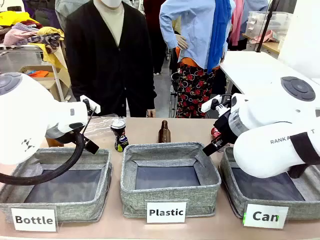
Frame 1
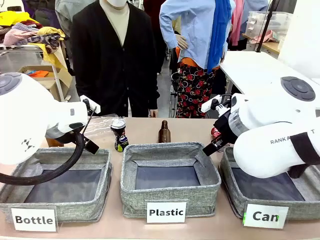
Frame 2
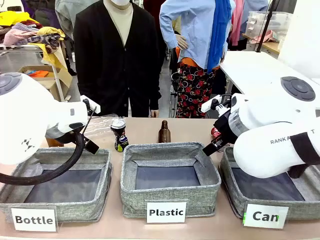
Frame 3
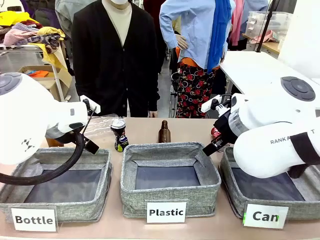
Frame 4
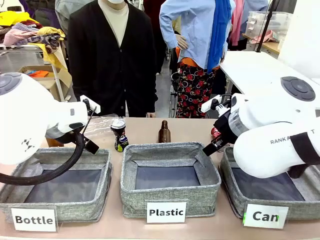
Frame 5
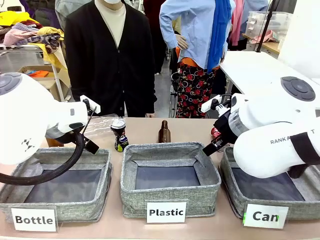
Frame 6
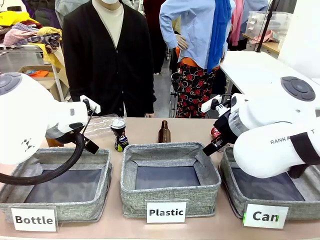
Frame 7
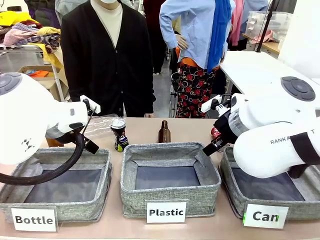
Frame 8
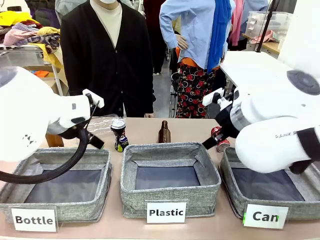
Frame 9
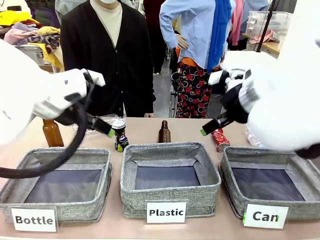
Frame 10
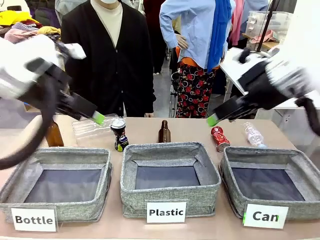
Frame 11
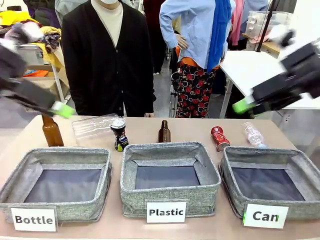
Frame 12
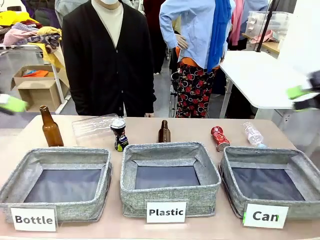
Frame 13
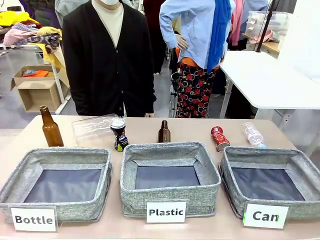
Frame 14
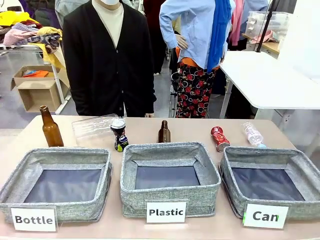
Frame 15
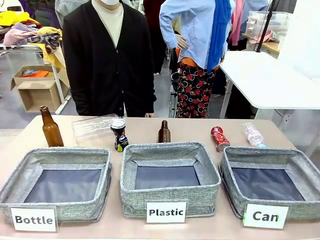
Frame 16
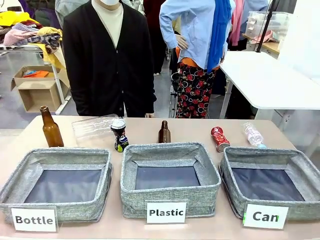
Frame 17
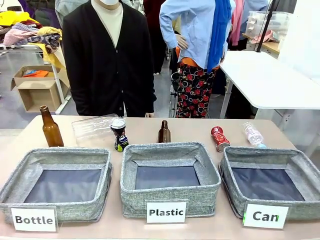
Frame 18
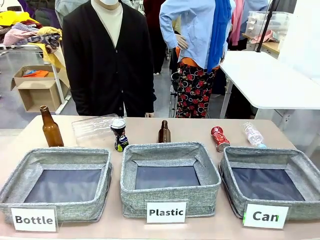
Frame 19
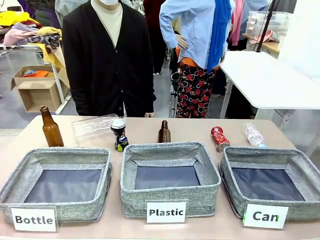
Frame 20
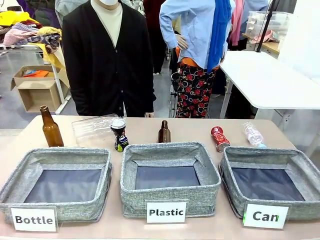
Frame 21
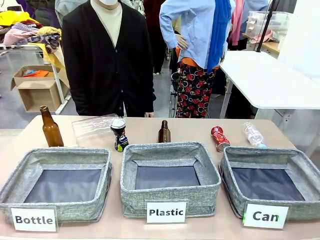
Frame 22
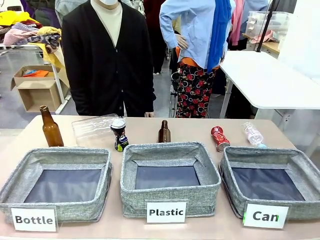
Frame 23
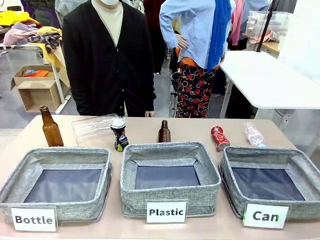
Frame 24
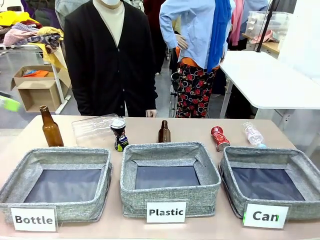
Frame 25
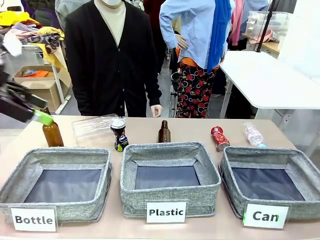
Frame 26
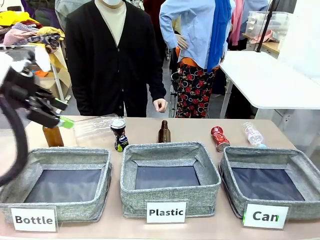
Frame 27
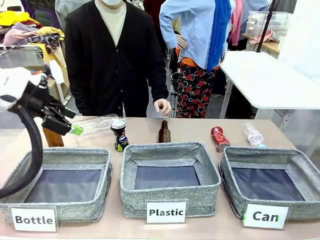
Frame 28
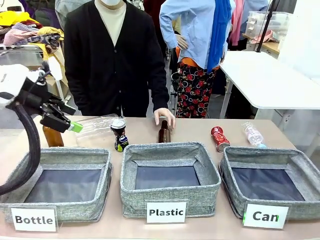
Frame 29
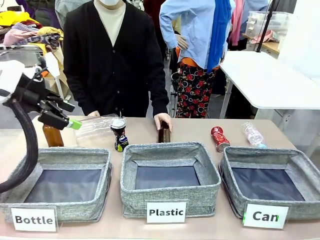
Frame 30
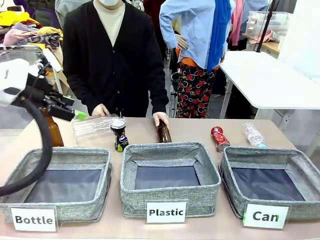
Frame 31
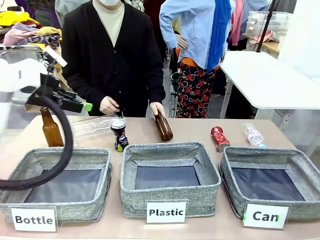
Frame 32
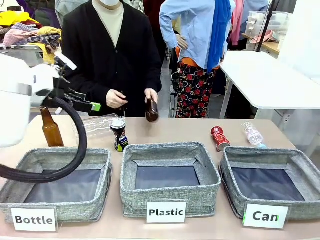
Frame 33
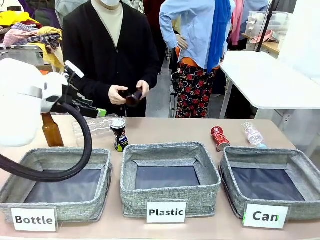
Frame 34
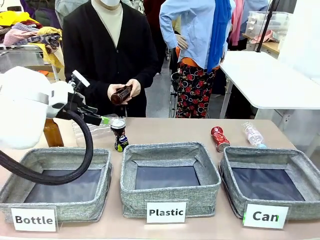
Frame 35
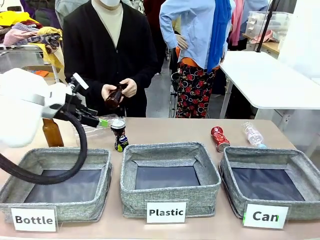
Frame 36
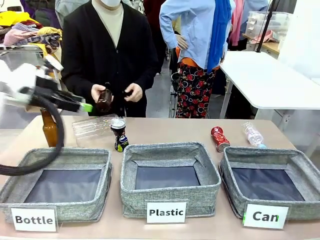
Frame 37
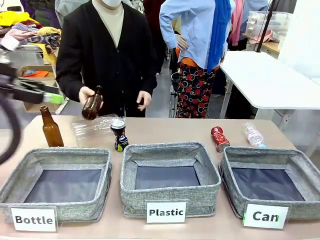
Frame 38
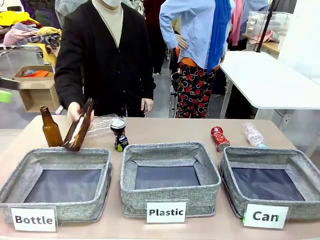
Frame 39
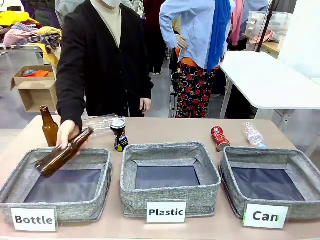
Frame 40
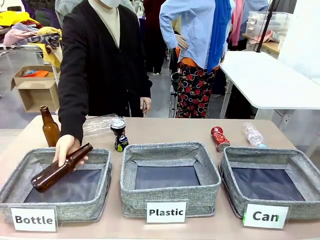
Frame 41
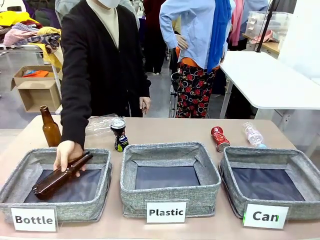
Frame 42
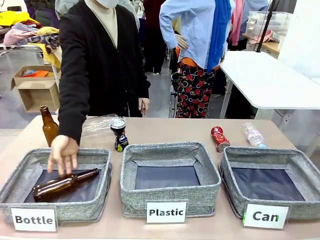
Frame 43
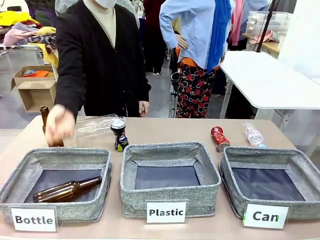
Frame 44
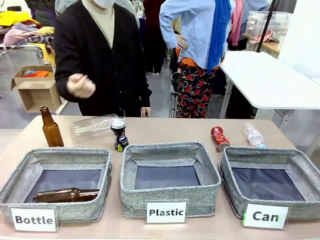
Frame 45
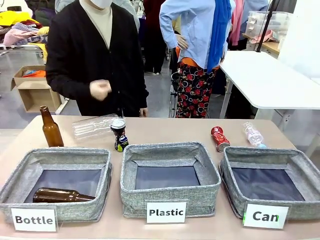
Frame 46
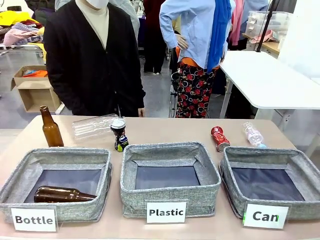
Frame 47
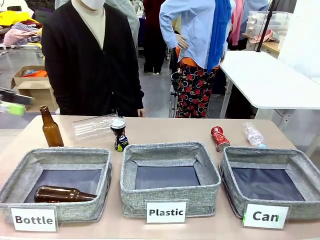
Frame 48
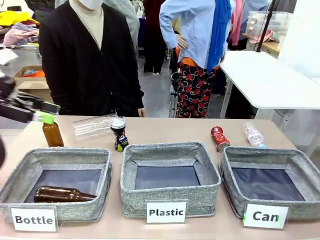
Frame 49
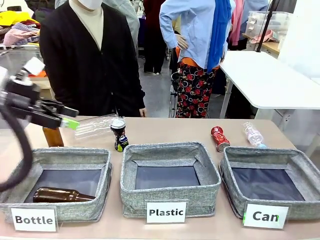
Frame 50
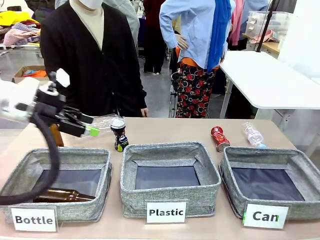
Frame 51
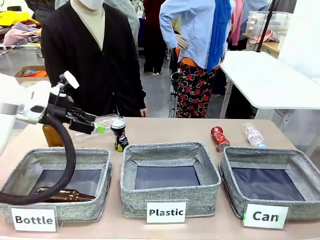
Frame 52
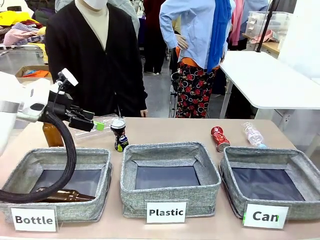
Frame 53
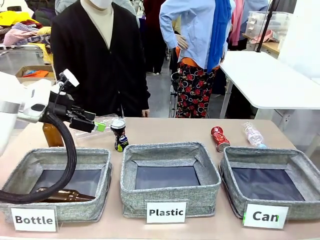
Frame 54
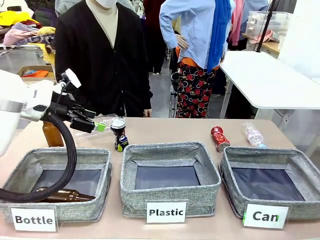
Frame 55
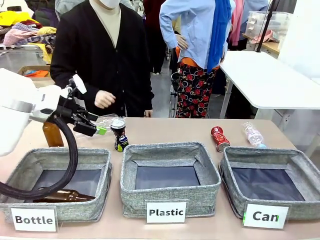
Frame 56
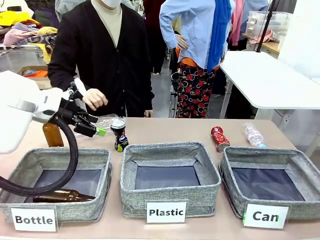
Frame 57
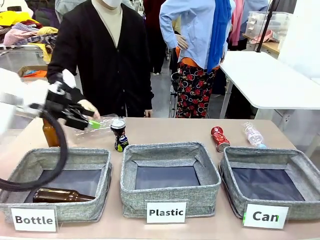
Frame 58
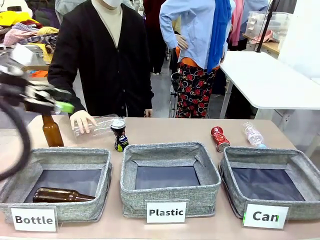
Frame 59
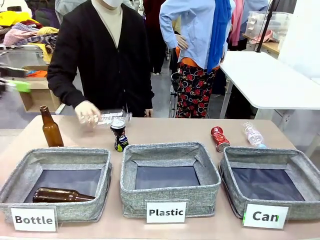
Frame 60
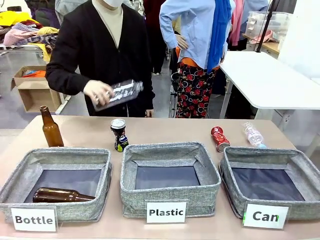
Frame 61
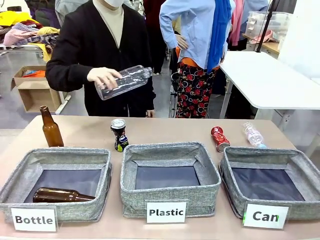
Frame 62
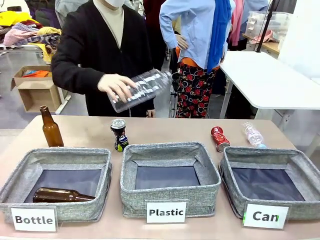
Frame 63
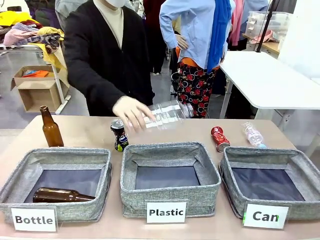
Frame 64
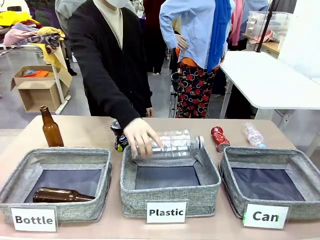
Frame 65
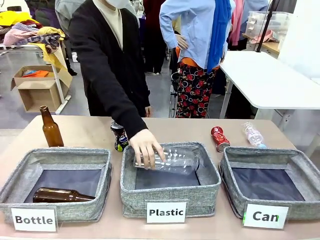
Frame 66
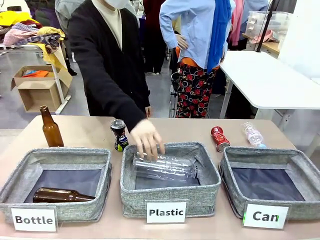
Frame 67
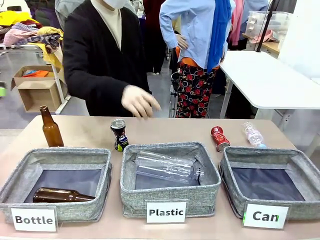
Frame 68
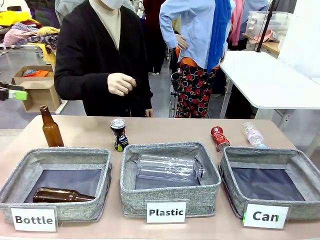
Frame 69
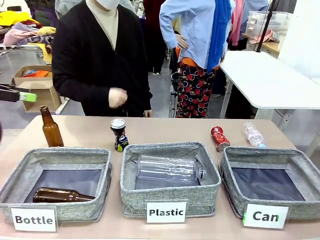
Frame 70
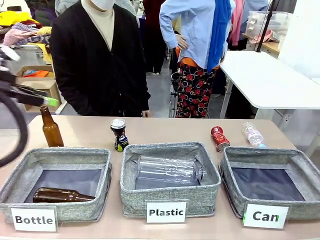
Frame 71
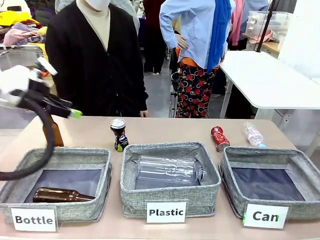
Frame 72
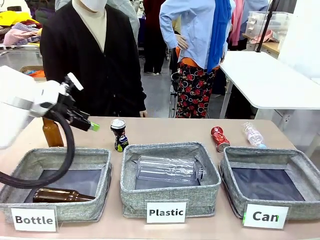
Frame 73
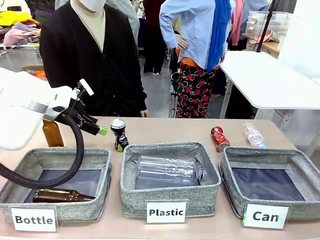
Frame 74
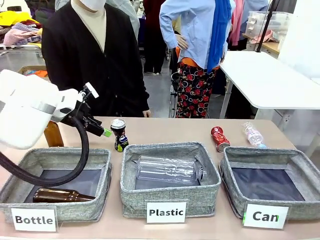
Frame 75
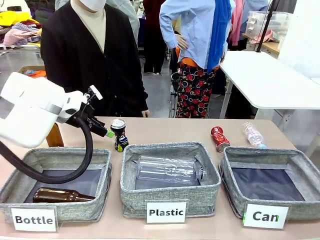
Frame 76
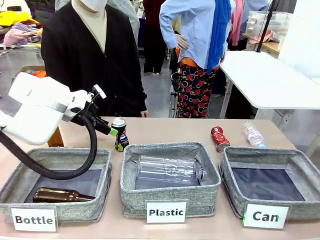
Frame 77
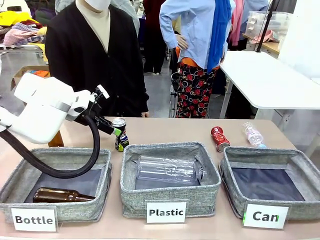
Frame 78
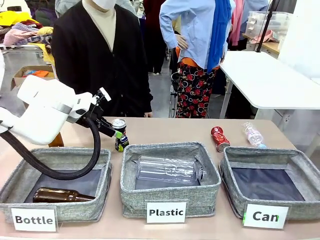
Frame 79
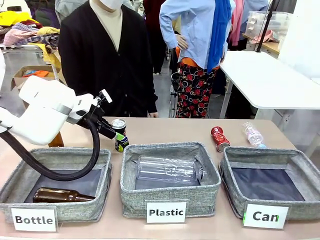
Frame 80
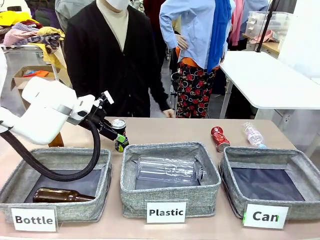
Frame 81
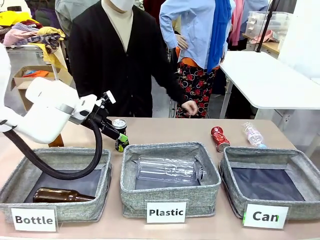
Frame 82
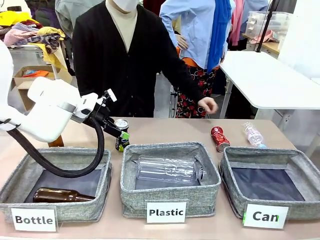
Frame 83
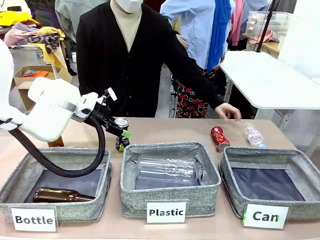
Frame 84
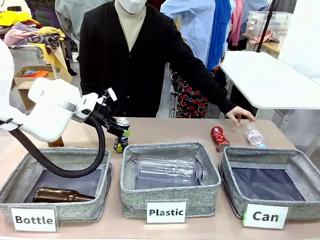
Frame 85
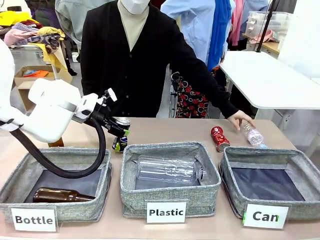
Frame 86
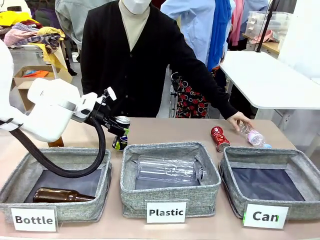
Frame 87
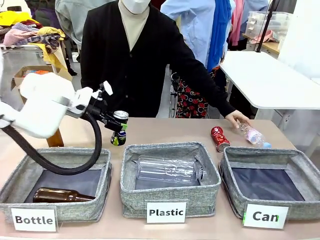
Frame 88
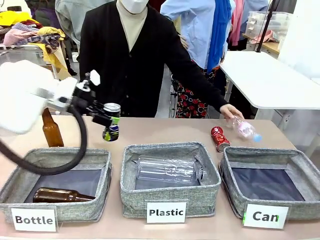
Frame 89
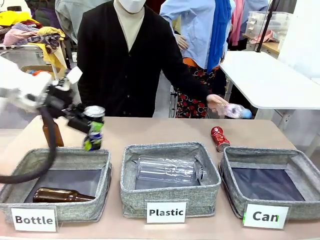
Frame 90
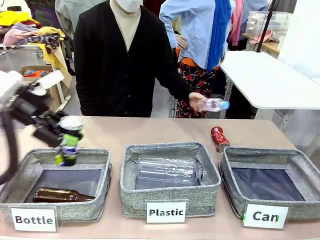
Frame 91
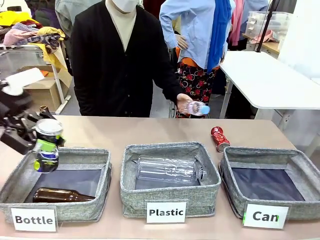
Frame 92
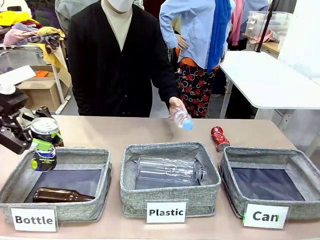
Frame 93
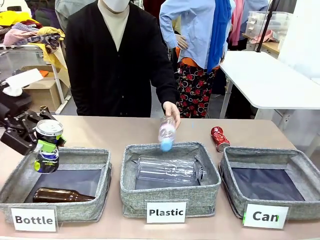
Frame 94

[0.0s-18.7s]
Task: Sort the can waste into the basket.
Robot: Pick up the can waste from the table and place it in the right Fabric basket.
